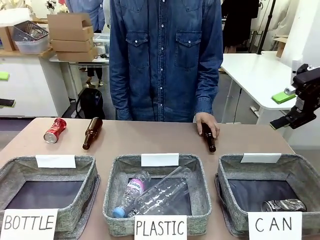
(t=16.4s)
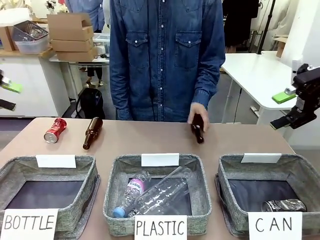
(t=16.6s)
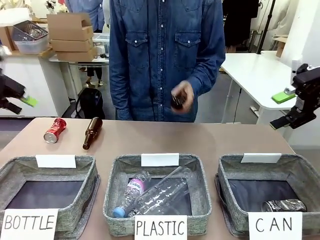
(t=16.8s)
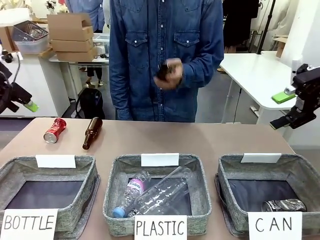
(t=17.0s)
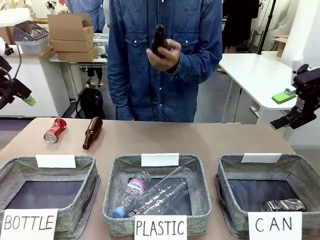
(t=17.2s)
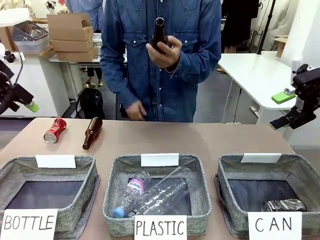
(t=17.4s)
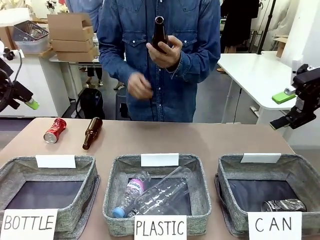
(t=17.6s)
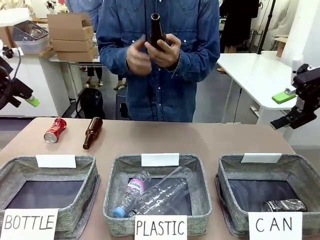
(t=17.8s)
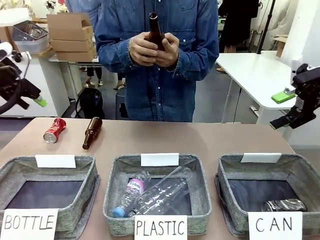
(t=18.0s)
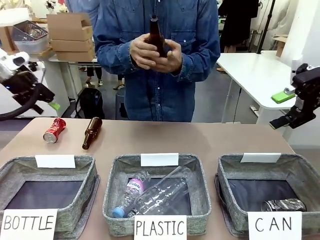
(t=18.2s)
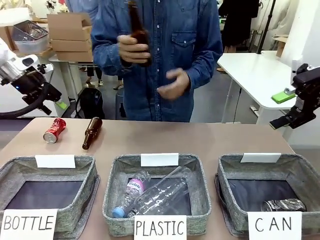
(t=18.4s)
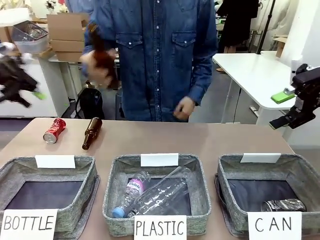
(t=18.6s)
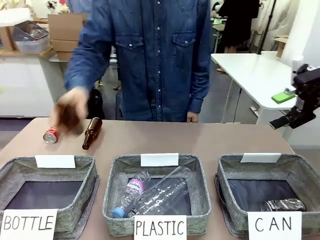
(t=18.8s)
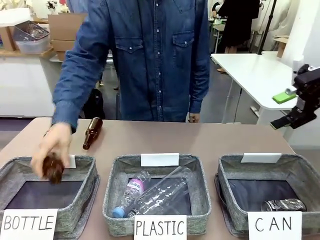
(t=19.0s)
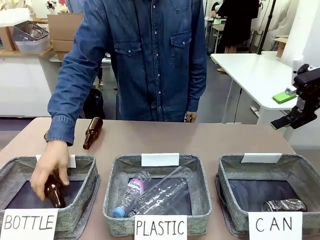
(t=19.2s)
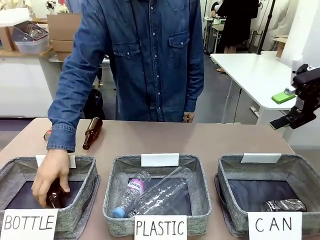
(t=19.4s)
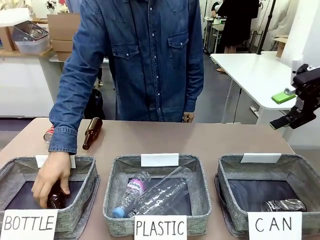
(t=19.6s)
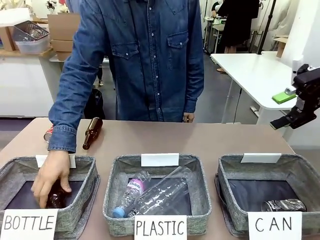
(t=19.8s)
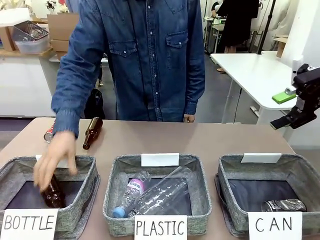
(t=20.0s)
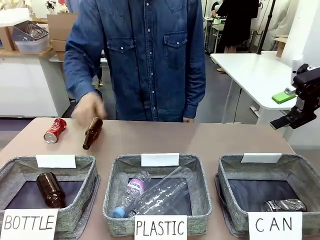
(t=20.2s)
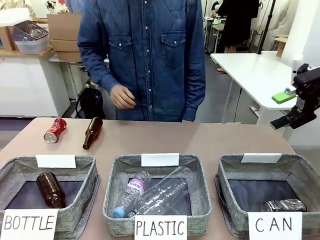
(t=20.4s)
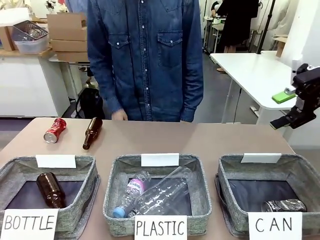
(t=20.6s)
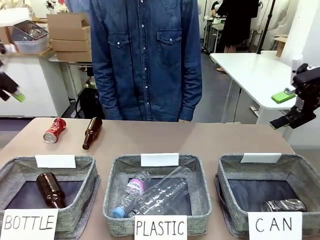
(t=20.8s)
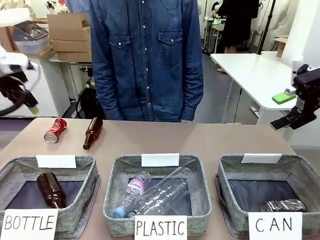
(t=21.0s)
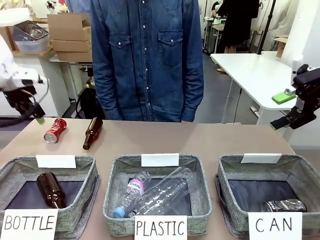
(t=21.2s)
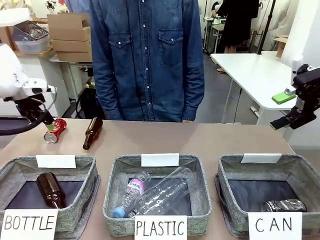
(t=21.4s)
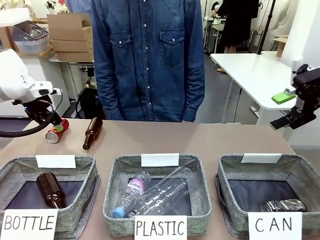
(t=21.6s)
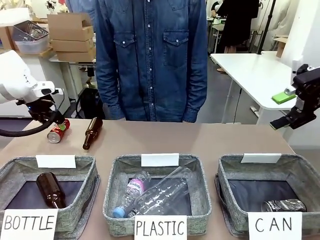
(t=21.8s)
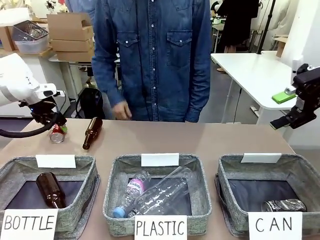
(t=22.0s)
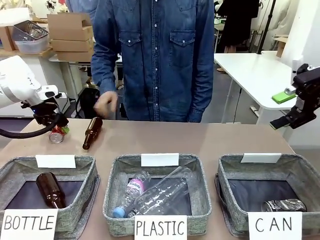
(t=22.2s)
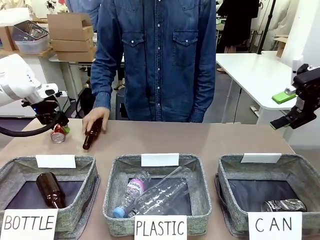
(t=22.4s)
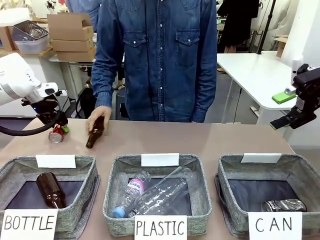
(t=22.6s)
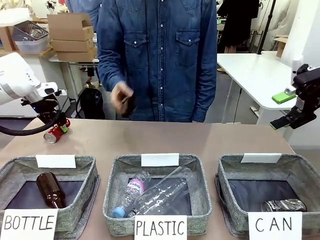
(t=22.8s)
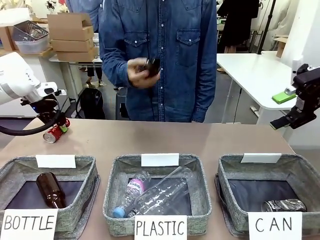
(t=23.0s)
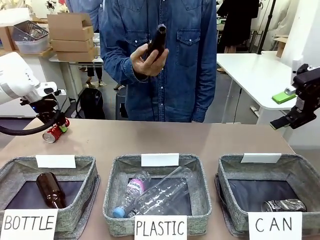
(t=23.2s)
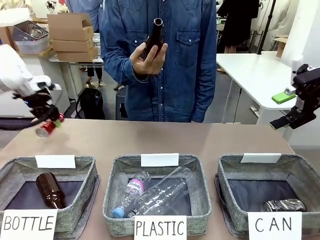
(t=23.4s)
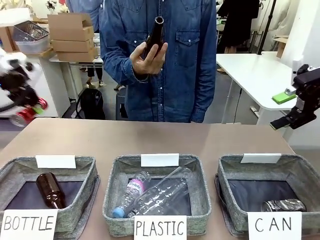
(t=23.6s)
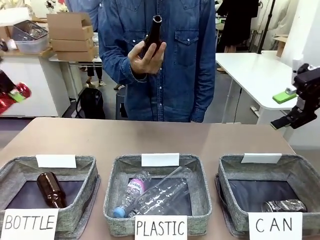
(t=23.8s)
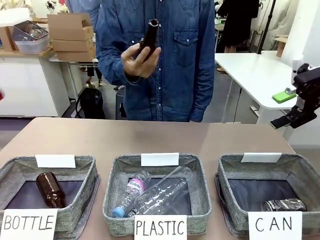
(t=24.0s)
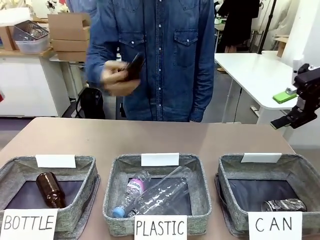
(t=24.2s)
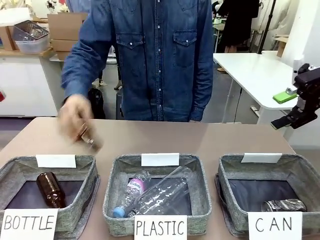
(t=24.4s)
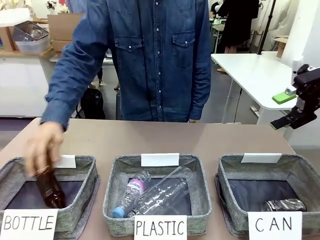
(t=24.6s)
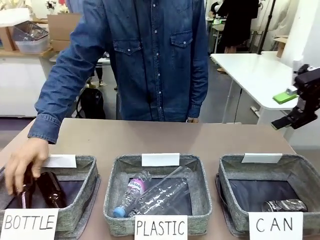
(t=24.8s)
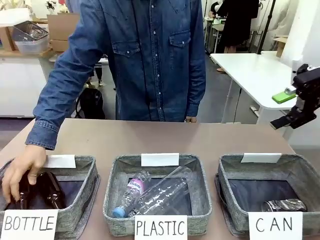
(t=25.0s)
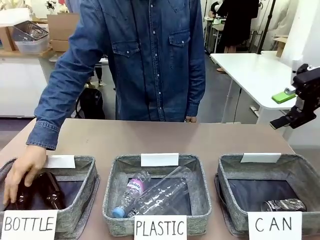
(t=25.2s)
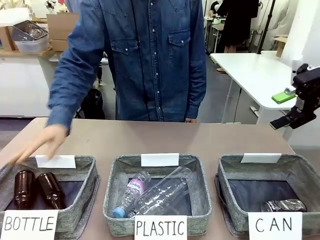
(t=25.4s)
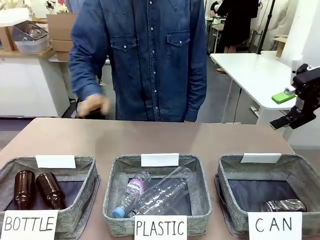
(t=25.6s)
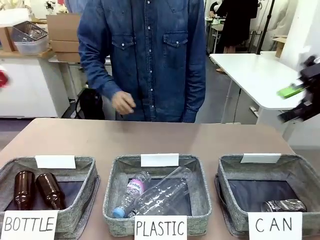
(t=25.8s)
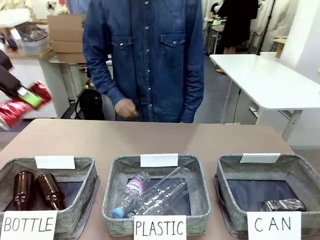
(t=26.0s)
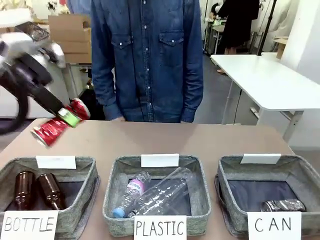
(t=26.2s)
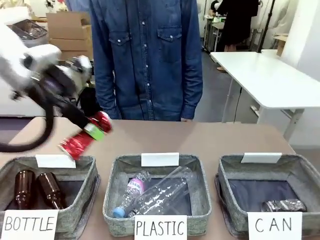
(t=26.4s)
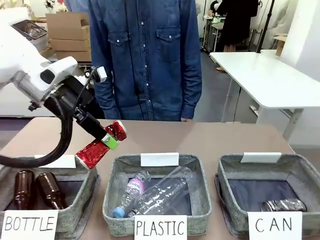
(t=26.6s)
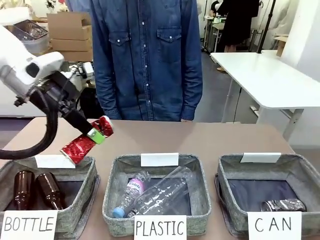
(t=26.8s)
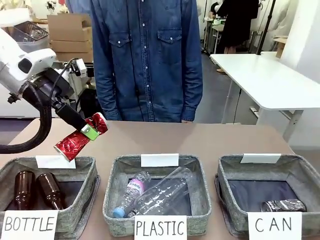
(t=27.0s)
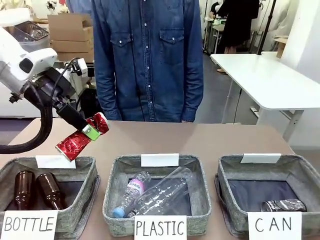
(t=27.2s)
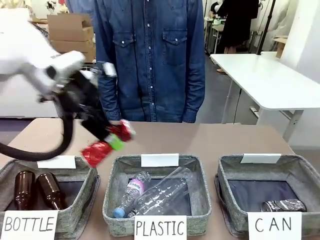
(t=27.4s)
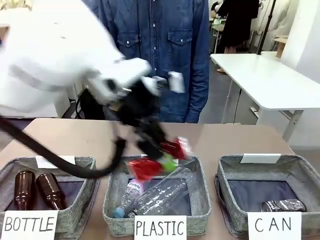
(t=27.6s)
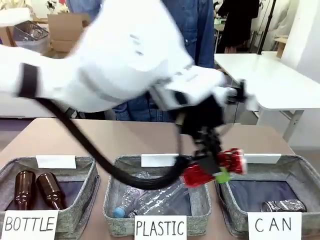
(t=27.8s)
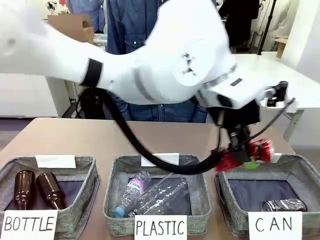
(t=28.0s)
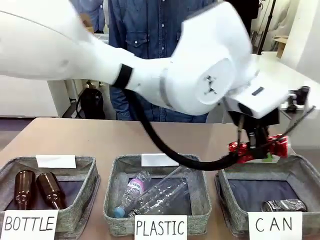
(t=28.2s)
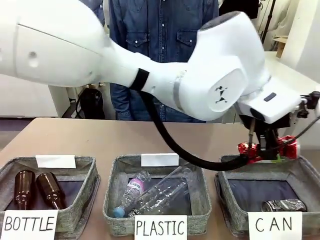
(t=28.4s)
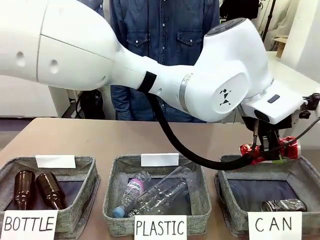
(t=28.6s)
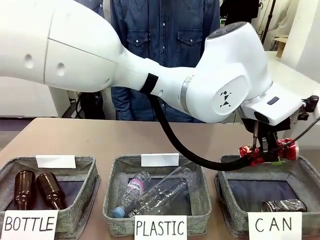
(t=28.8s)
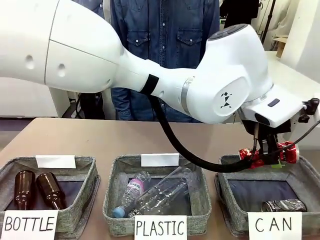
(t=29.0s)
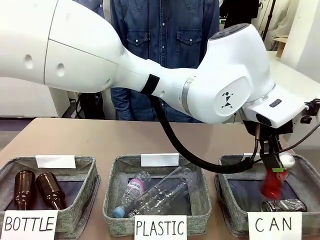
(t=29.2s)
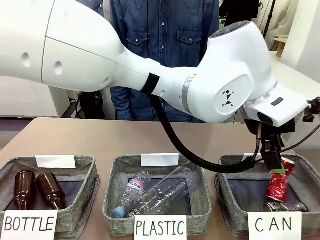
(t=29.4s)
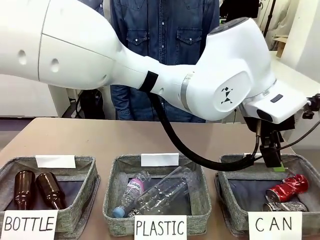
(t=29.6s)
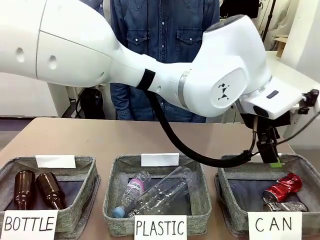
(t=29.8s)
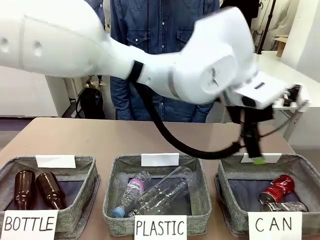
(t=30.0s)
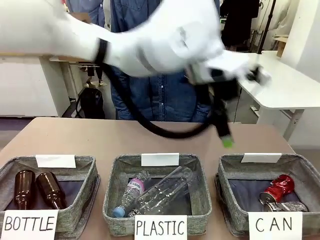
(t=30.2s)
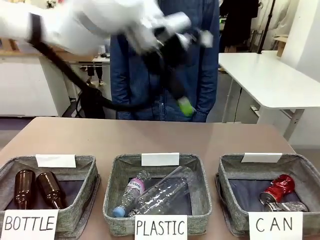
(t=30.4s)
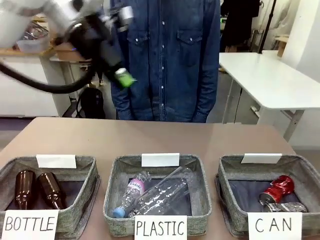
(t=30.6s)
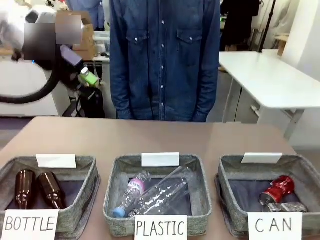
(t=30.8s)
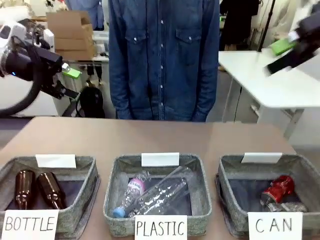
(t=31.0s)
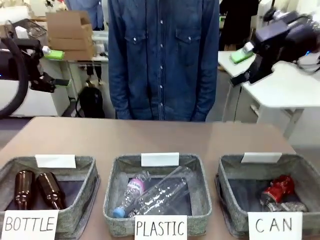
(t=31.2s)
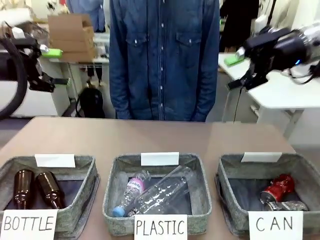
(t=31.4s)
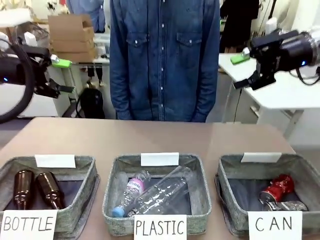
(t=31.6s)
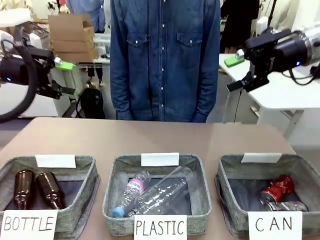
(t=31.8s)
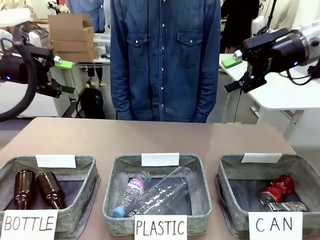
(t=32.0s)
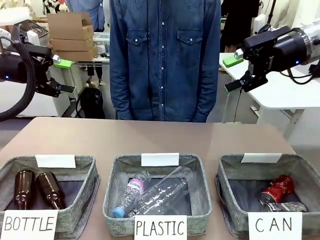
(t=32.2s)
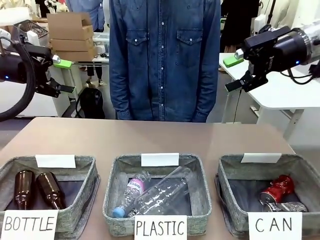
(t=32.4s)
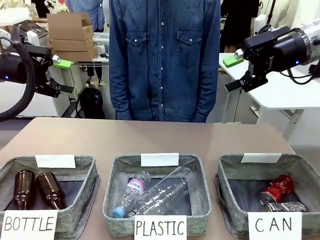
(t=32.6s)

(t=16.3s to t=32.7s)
Task: Sort the can waste into the basket.
Robot: Pick up the can waste from the table and place it in the right Fabric basket.
Person: The human picks up one piece of trash that is not a can and places the trash into the appropriate organizing basket.
